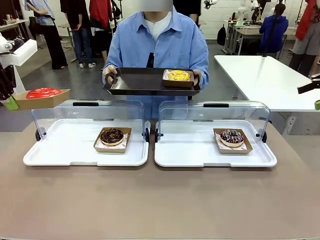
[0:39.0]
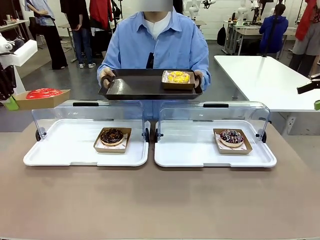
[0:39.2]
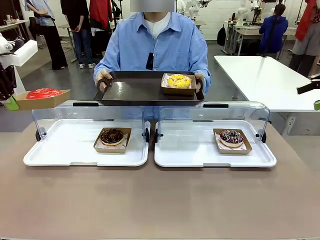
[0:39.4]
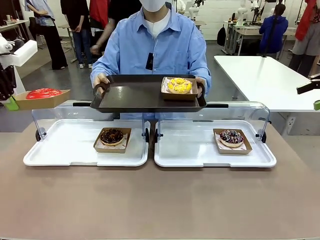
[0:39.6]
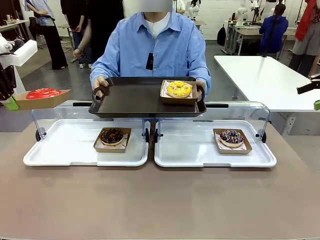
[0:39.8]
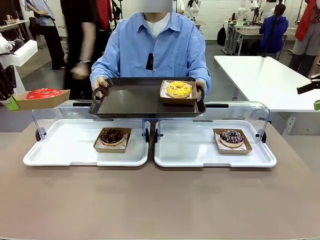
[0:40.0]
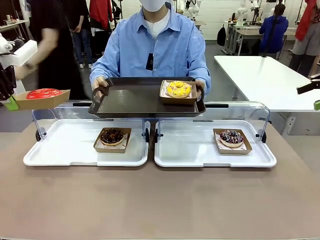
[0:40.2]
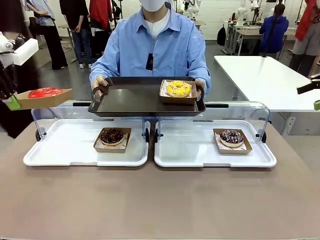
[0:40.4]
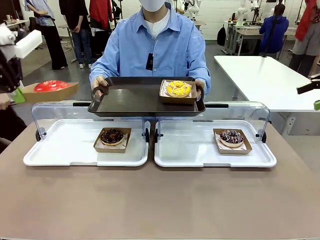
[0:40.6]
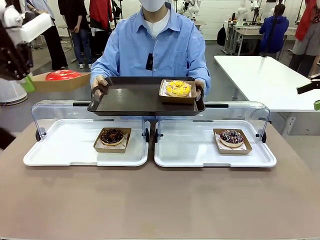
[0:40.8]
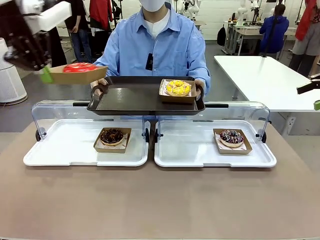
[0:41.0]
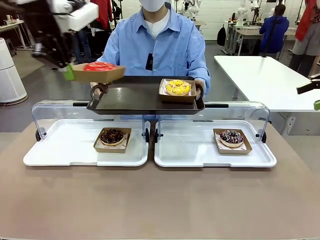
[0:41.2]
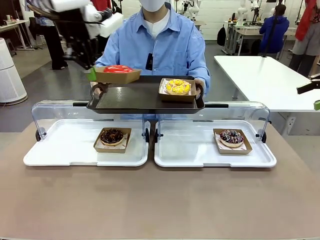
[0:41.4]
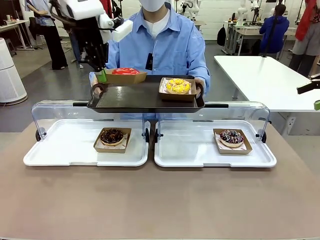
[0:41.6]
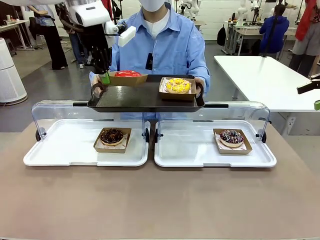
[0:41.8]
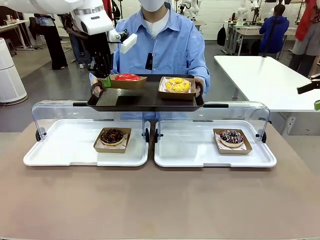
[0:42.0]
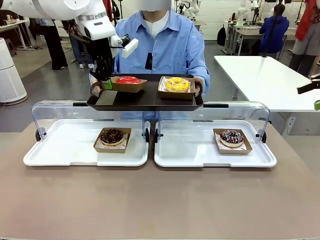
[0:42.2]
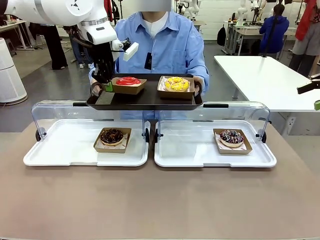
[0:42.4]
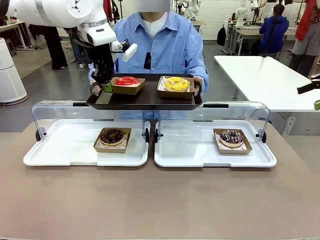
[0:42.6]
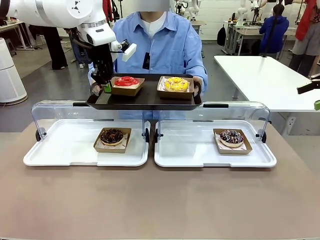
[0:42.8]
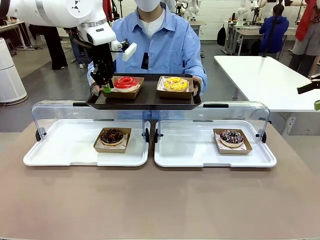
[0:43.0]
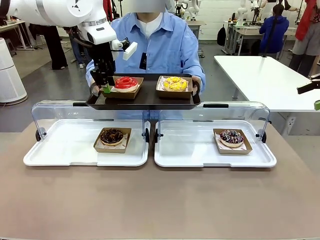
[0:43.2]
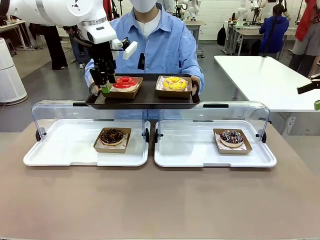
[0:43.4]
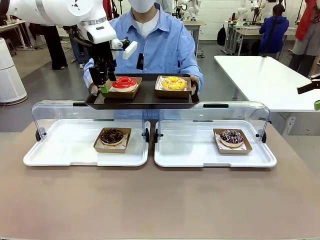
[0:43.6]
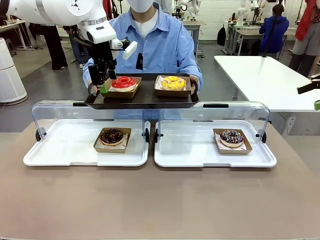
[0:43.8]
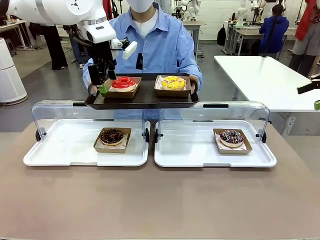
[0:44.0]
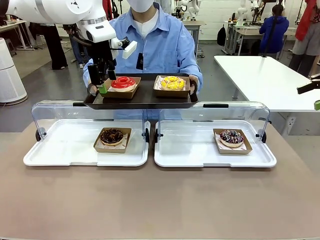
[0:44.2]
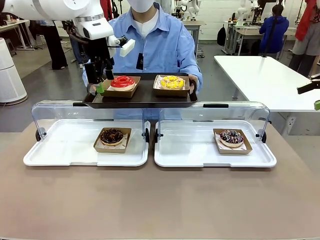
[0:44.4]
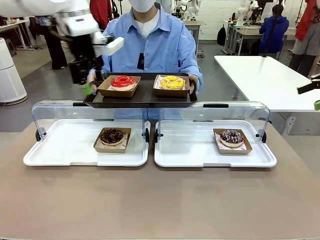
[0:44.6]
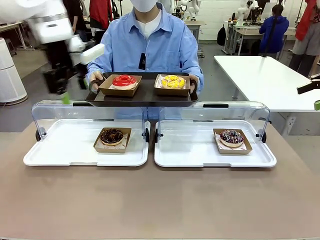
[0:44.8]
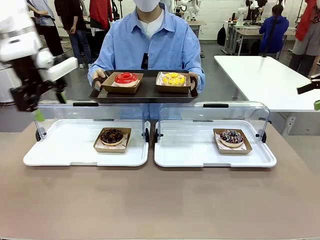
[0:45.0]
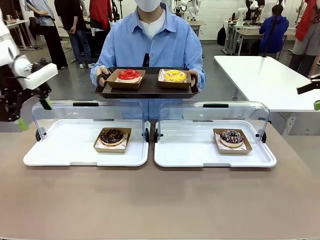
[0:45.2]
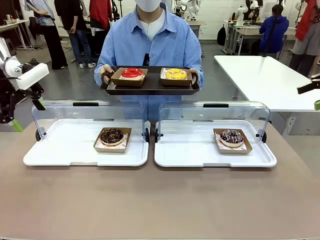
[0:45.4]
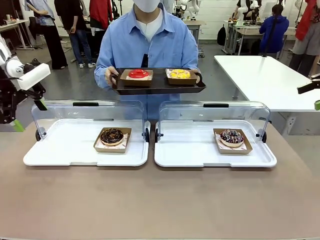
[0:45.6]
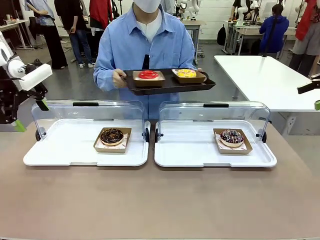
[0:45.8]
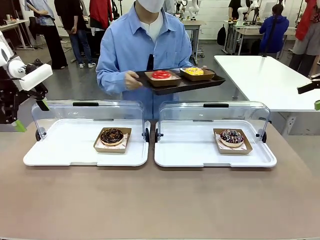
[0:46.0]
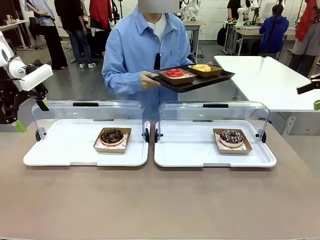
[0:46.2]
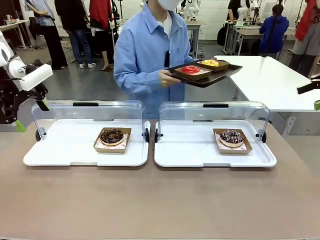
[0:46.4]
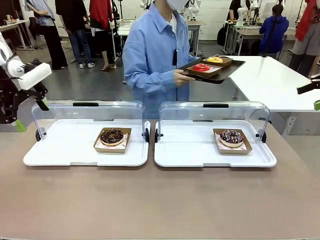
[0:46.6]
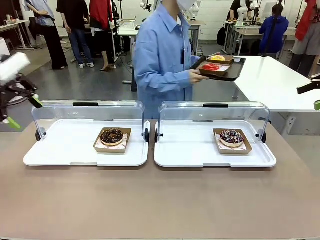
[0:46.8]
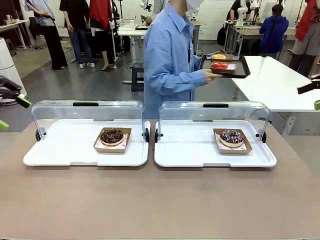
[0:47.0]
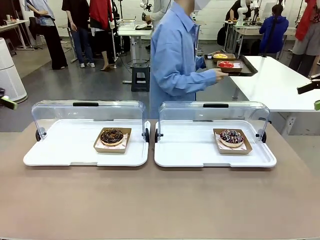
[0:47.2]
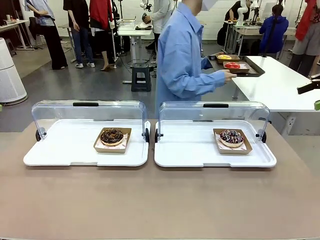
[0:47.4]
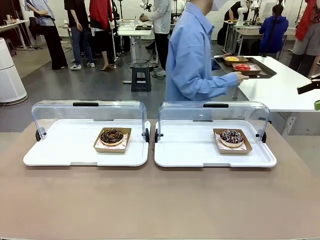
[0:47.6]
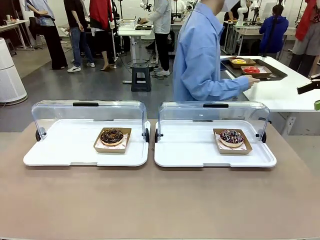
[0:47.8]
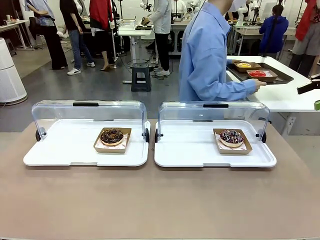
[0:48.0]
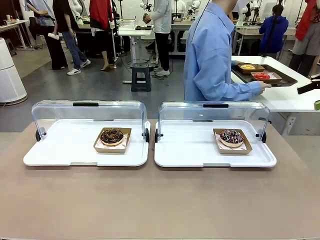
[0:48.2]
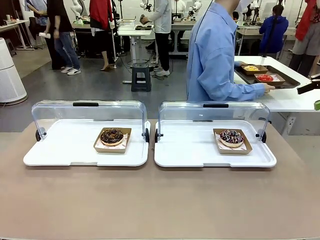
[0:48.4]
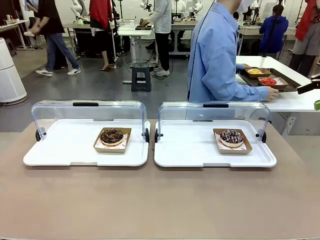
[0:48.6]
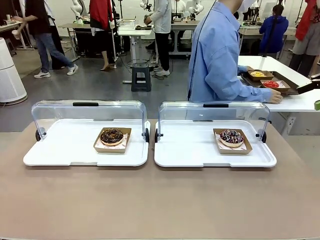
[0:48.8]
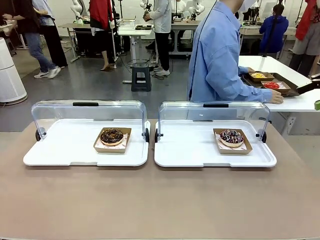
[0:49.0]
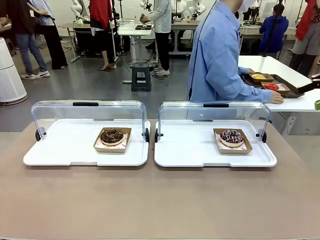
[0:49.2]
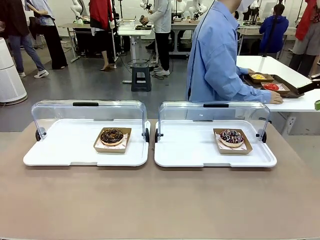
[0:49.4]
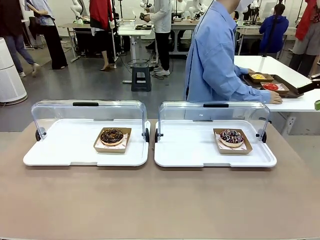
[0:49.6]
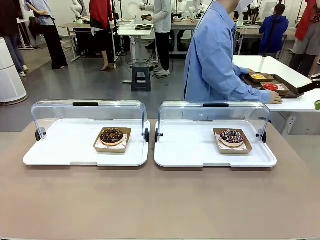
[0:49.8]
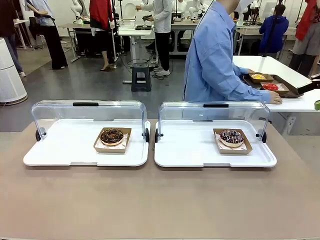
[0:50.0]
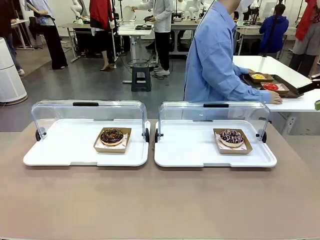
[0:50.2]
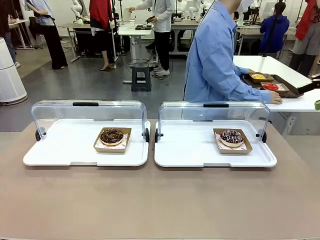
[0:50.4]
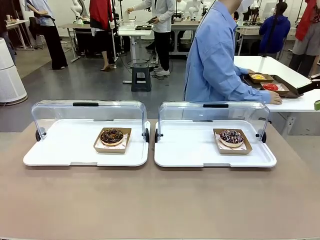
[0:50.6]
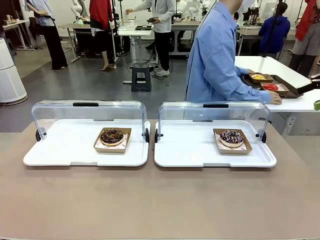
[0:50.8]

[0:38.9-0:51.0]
Task: Provide the desired donut to the person.
Robot: Place the picked Paper togo box onto the Handle tray extended by the person.
Person: Place the tray in the middle of the human table.

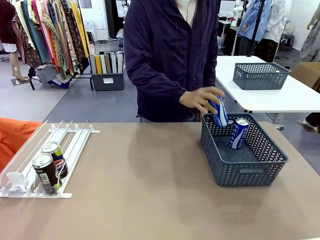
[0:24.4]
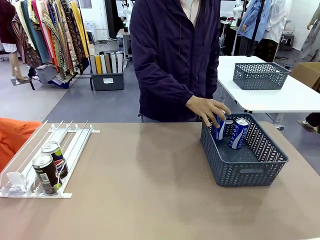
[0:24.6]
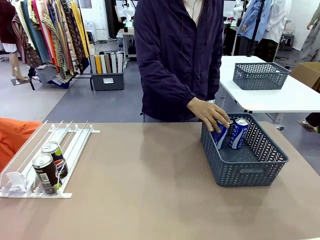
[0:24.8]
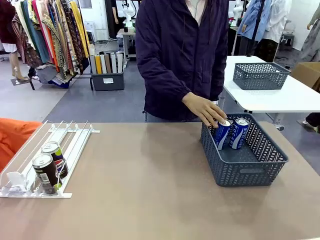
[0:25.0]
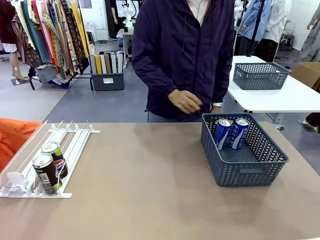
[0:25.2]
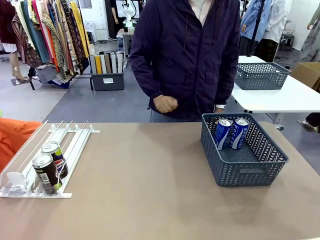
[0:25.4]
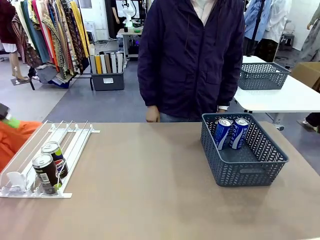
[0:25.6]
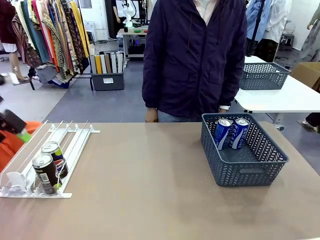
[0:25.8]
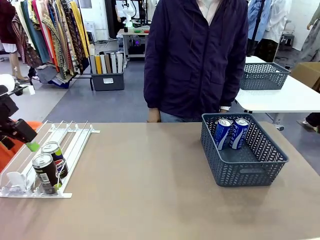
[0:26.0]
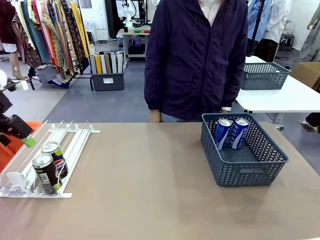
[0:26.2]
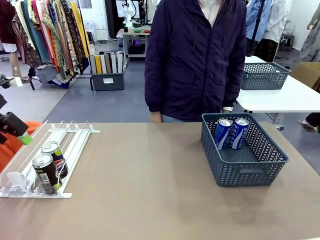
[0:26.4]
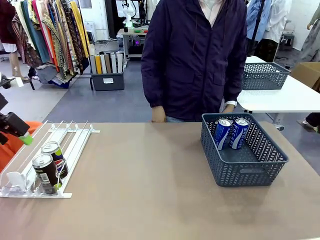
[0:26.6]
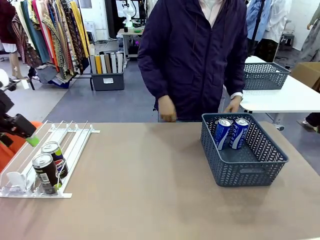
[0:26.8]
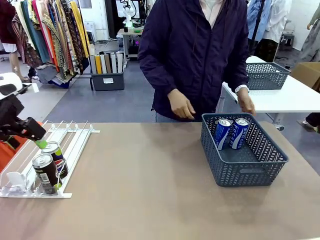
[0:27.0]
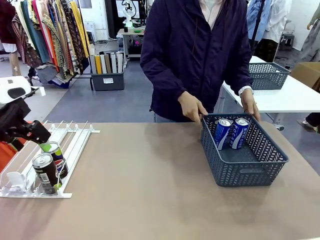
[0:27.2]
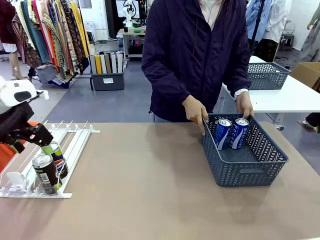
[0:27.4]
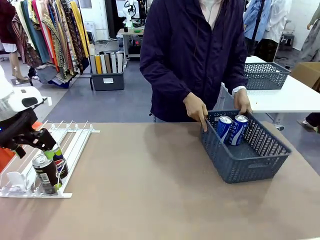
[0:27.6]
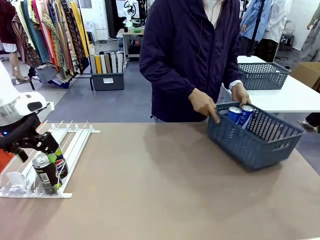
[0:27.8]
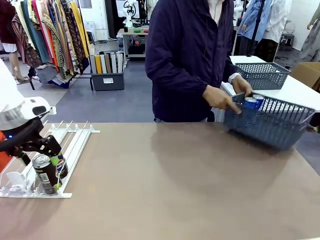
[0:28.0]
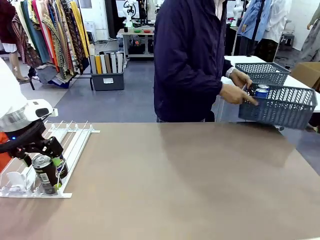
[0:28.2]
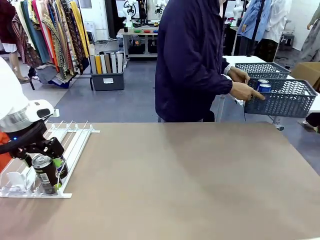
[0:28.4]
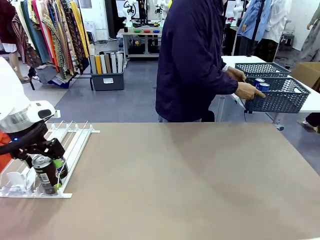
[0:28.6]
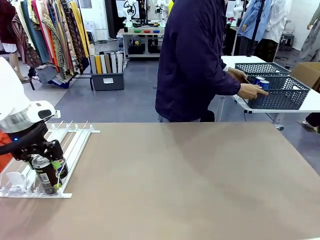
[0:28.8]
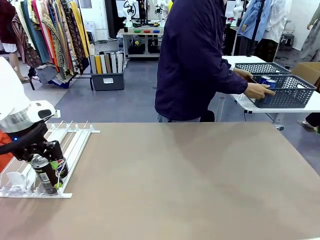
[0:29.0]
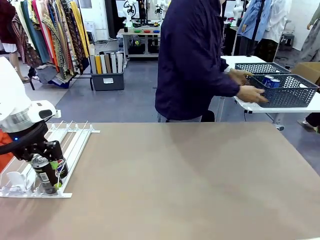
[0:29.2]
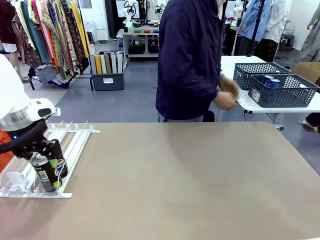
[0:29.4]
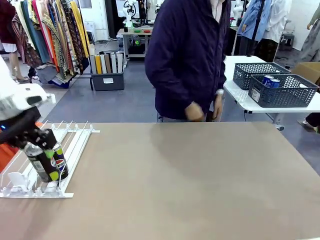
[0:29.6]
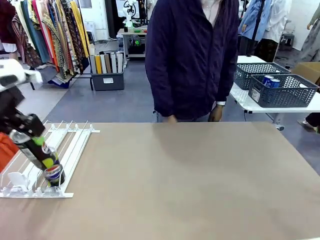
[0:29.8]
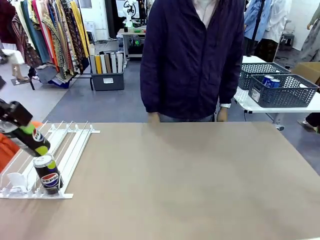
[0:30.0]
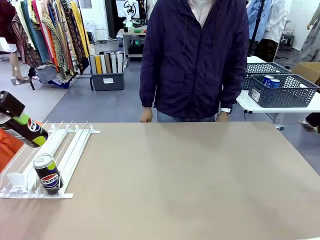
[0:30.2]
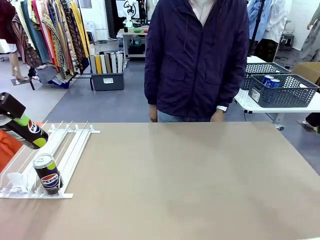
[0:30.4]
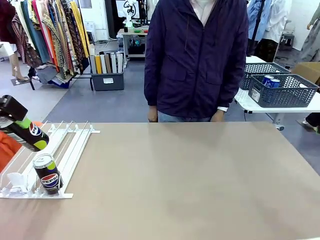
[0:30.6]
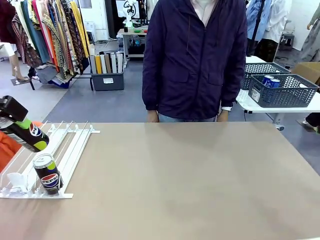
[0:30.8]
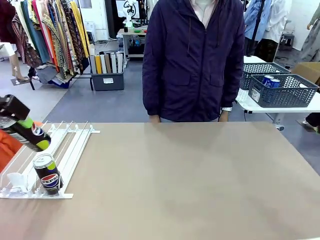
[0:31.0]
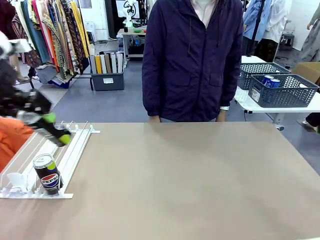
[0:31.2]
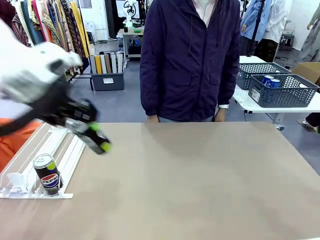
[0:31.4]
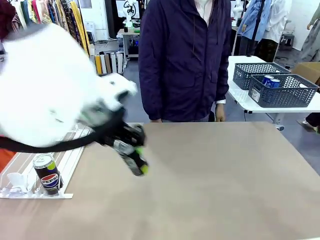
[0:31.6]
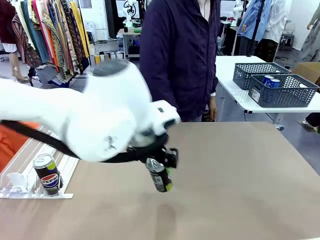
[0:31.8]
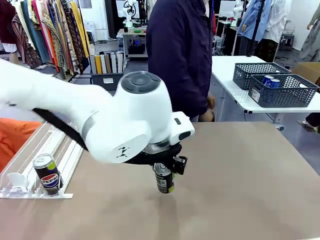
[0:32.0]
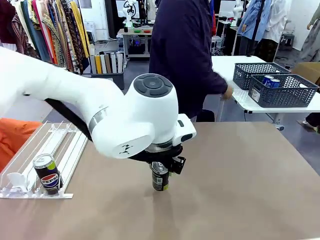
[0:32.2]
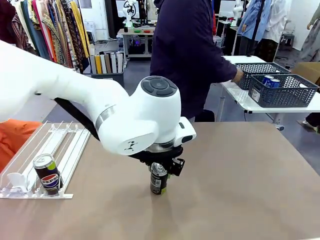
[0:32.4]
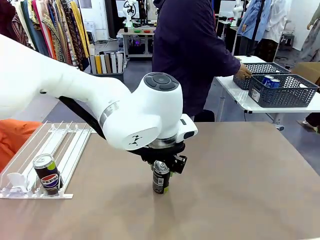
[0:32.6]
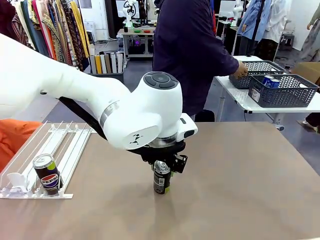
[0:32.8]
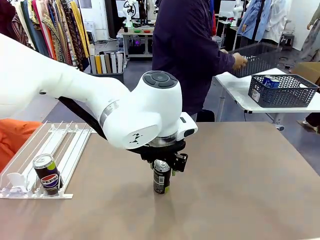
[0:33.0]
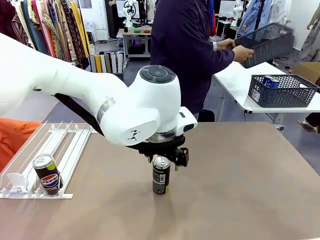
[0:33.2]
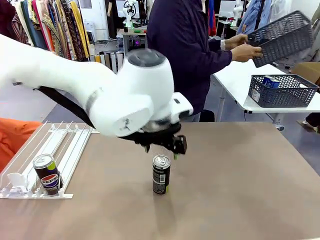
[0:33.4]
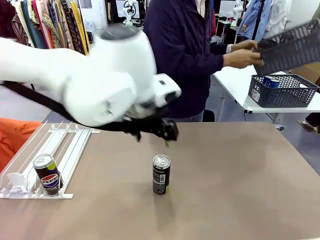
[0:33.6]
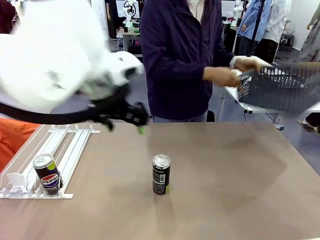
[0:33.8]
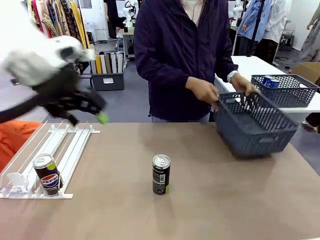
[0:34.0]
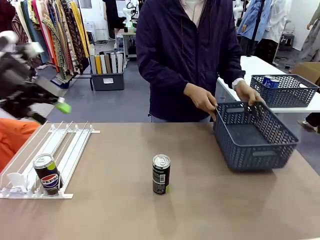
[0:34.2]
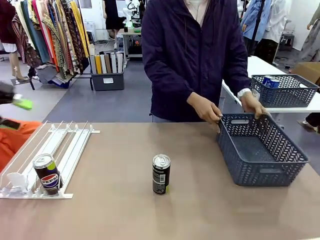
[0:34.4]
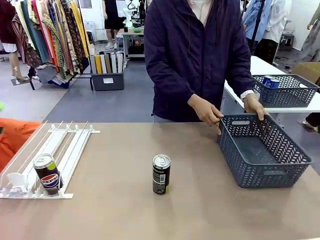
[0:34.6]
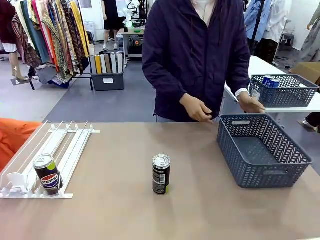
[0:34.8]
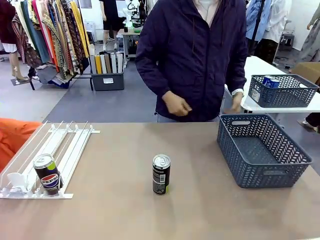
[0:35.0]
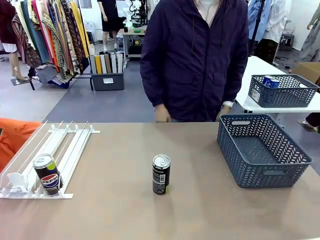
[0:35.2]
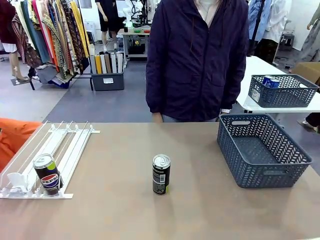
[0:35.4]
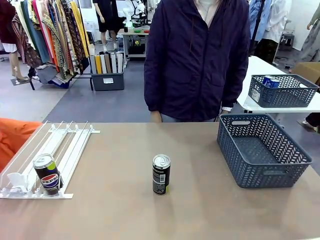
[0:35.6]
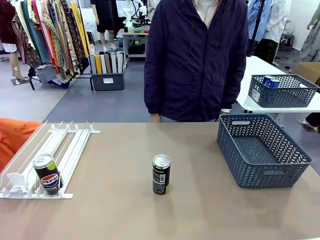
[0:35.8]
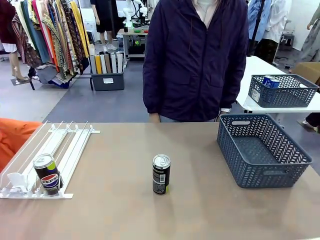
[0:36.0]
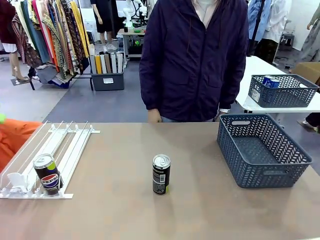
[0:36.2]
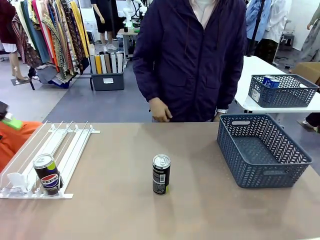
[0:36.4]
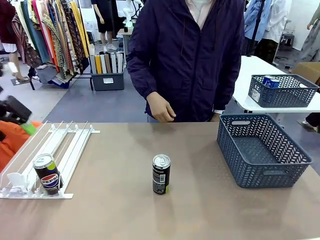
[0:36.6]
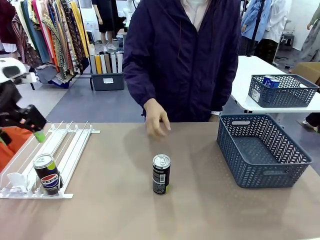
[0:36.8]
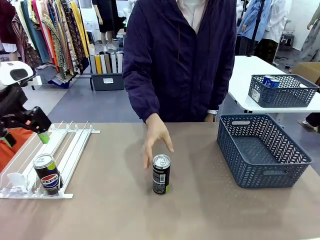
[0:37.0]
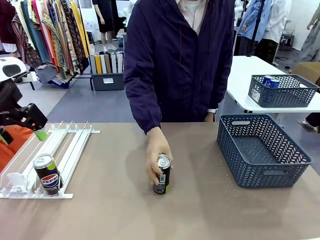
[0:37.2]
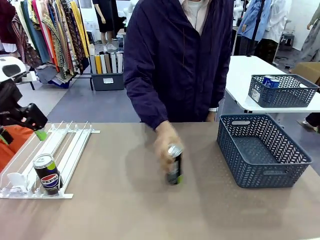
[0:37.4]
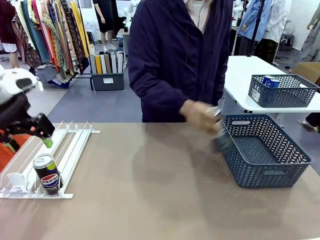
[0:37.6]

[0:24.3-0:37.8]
Task: Retrieve and store the cans from the dispenser.
Robot: Pick up one can from the Automatic Can Dispenser and place it in the middle of the table.
Person: Pick up the basket and place it in the middle of the human table. Pick up the empty basket and place it on the left side of the robot table.
